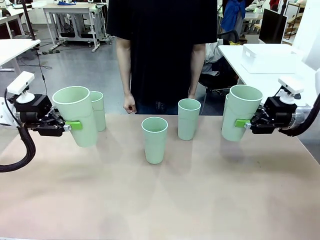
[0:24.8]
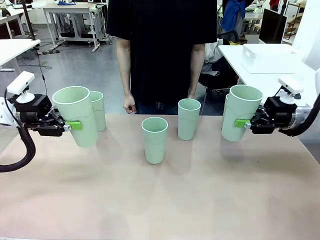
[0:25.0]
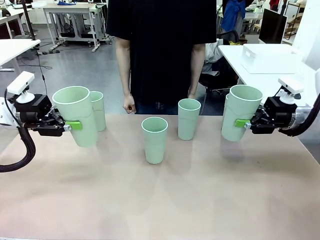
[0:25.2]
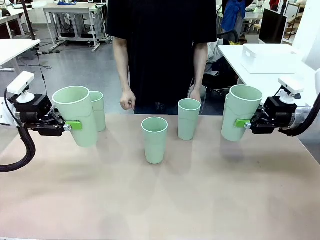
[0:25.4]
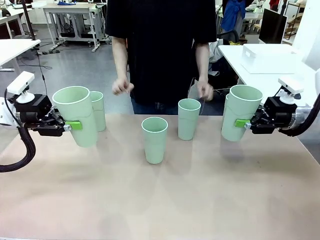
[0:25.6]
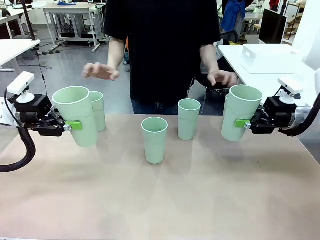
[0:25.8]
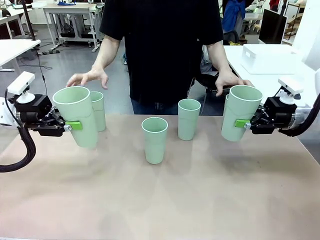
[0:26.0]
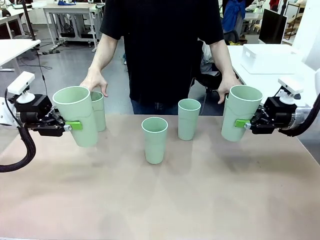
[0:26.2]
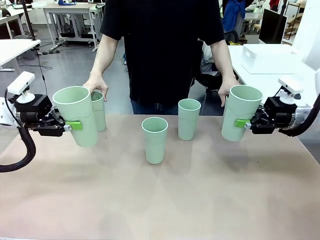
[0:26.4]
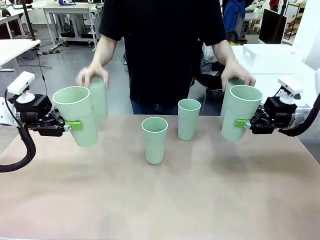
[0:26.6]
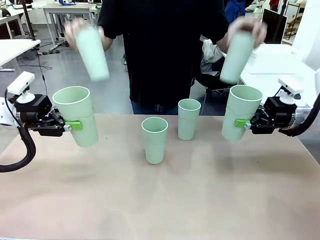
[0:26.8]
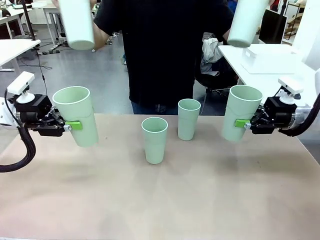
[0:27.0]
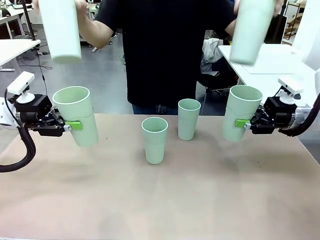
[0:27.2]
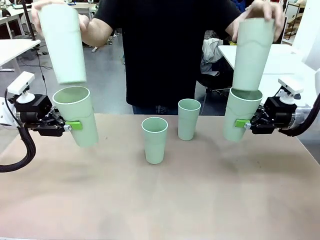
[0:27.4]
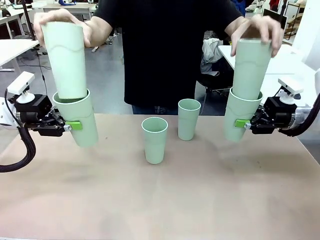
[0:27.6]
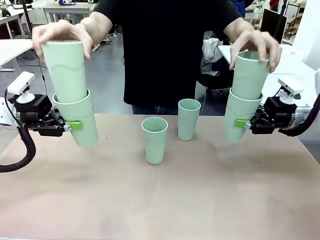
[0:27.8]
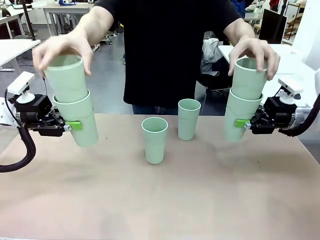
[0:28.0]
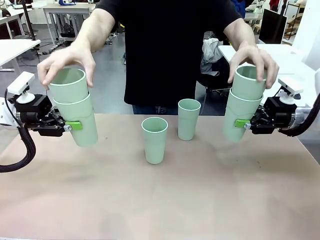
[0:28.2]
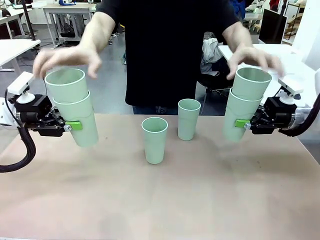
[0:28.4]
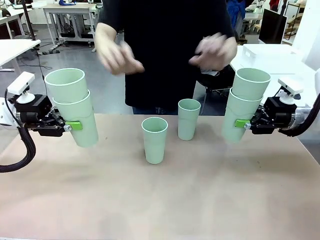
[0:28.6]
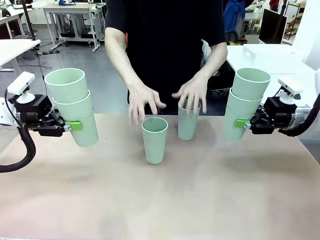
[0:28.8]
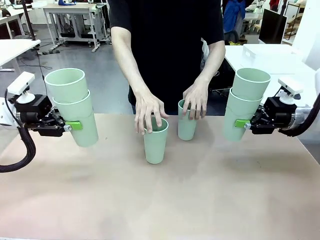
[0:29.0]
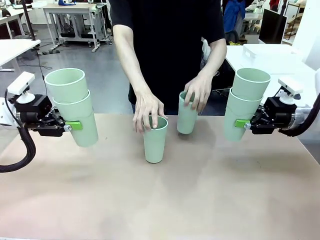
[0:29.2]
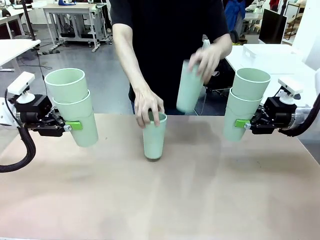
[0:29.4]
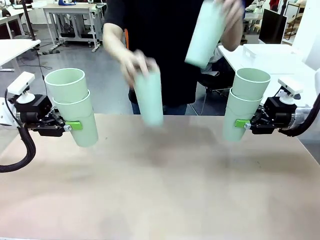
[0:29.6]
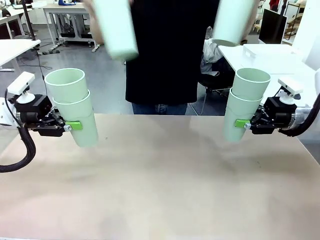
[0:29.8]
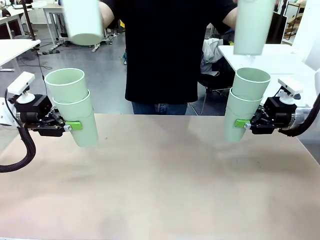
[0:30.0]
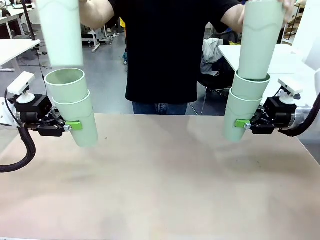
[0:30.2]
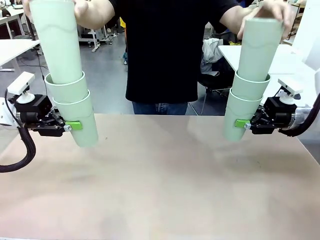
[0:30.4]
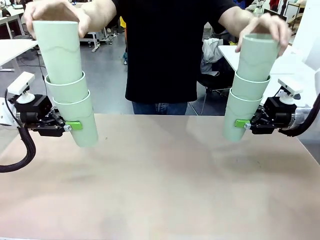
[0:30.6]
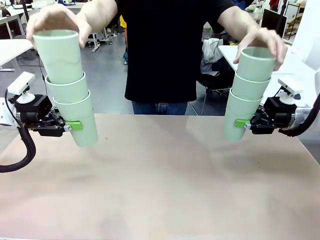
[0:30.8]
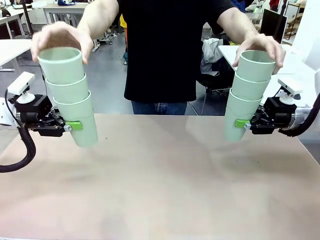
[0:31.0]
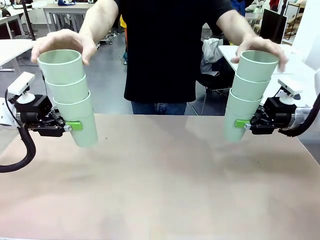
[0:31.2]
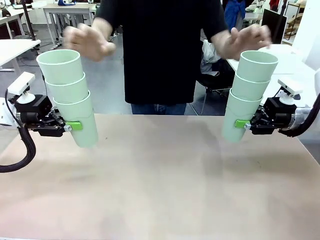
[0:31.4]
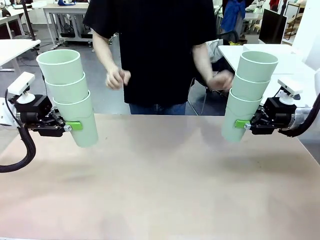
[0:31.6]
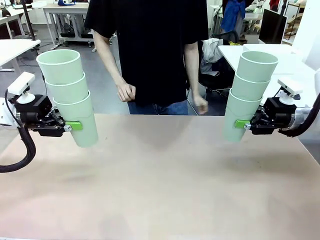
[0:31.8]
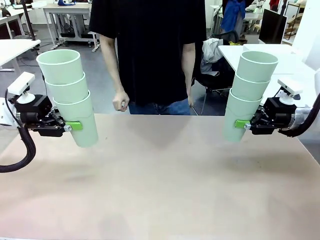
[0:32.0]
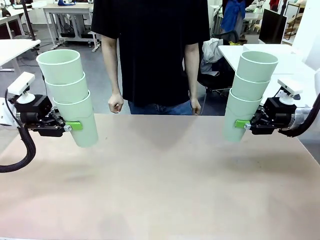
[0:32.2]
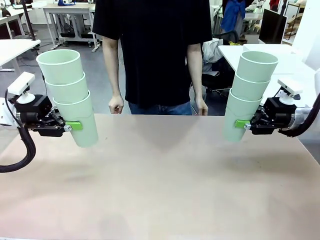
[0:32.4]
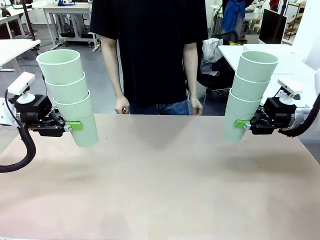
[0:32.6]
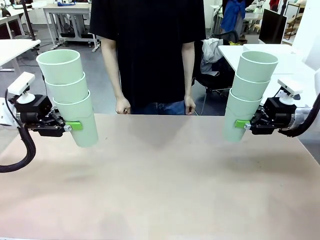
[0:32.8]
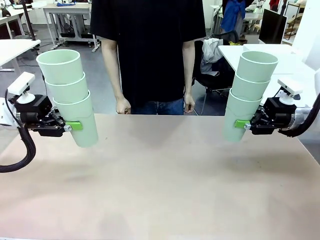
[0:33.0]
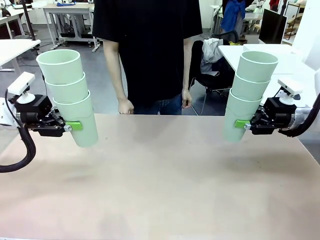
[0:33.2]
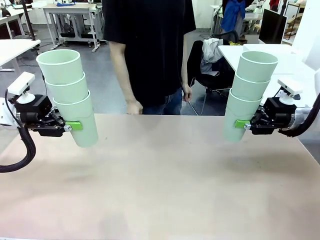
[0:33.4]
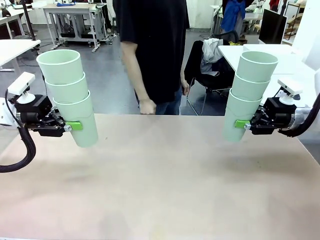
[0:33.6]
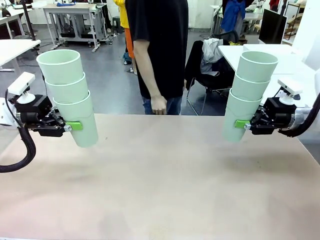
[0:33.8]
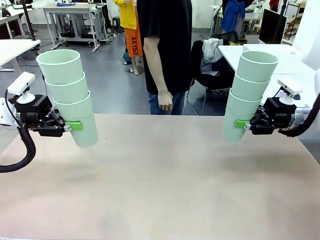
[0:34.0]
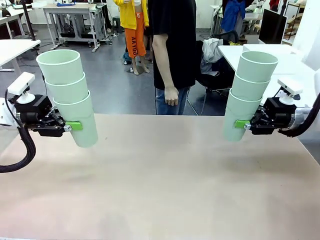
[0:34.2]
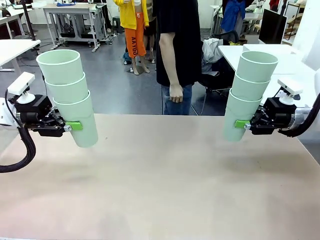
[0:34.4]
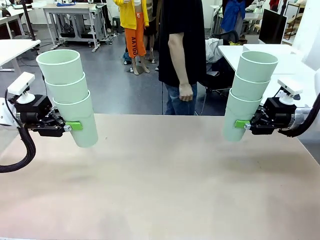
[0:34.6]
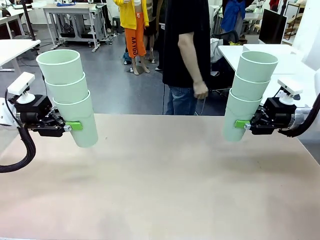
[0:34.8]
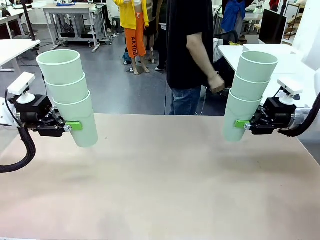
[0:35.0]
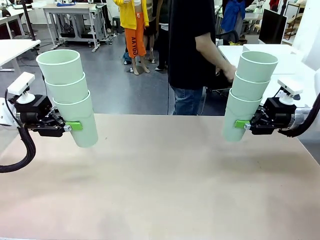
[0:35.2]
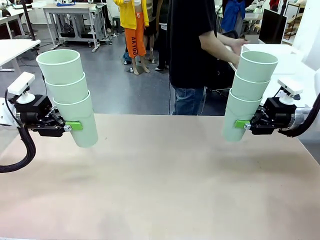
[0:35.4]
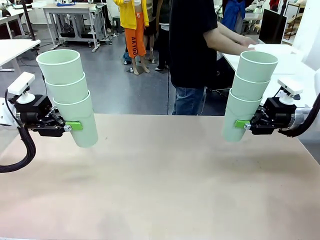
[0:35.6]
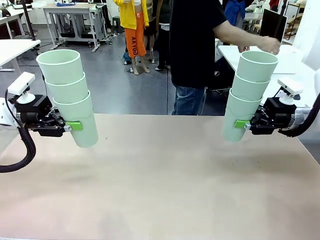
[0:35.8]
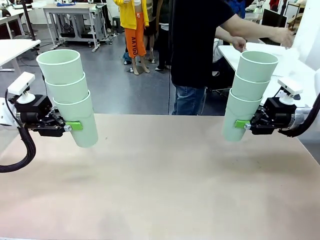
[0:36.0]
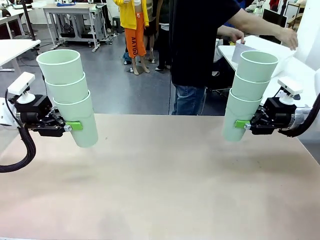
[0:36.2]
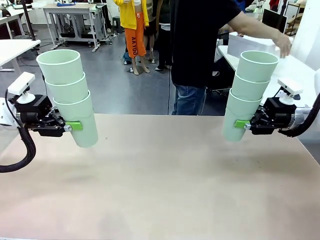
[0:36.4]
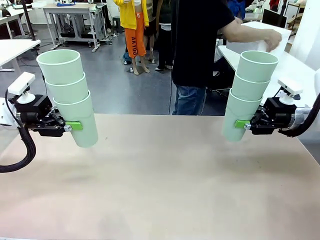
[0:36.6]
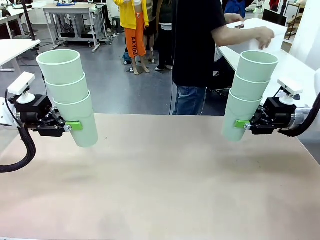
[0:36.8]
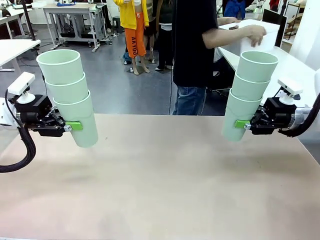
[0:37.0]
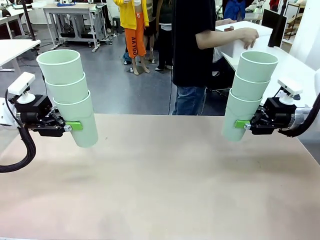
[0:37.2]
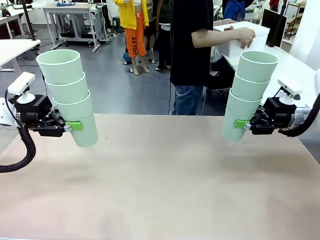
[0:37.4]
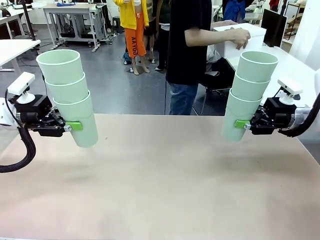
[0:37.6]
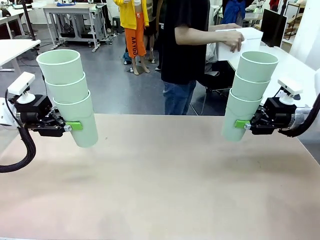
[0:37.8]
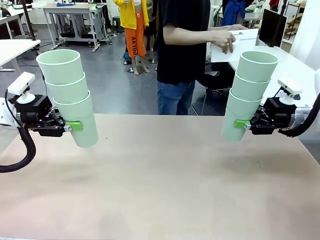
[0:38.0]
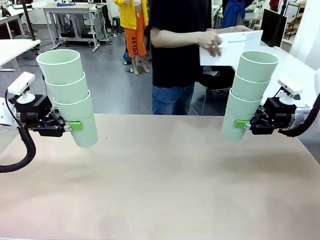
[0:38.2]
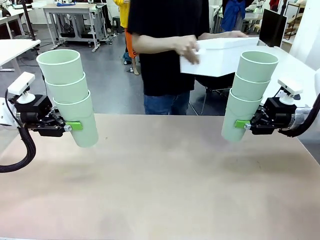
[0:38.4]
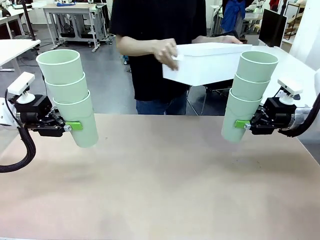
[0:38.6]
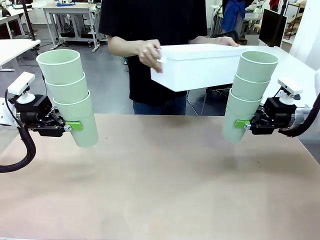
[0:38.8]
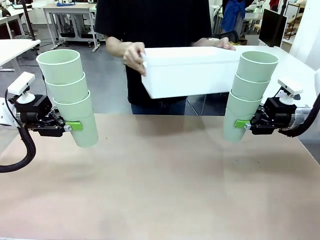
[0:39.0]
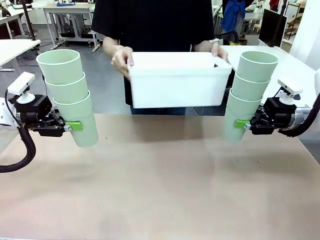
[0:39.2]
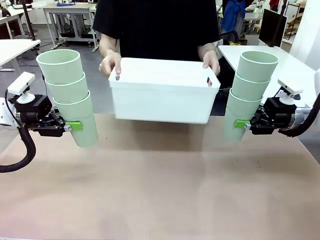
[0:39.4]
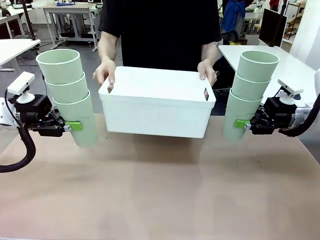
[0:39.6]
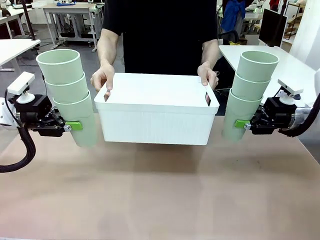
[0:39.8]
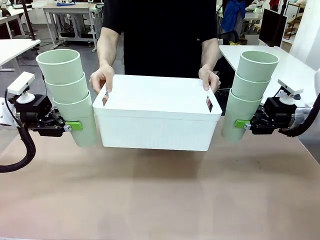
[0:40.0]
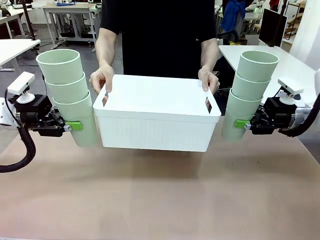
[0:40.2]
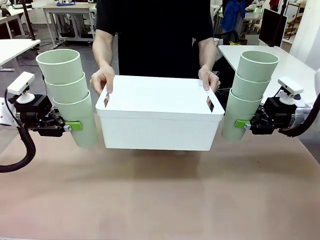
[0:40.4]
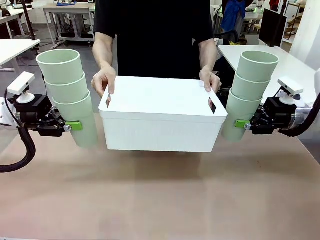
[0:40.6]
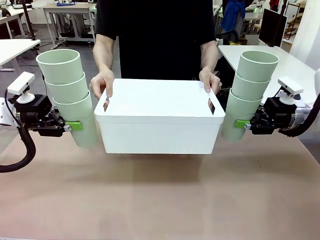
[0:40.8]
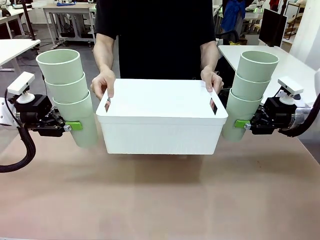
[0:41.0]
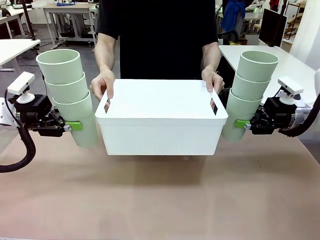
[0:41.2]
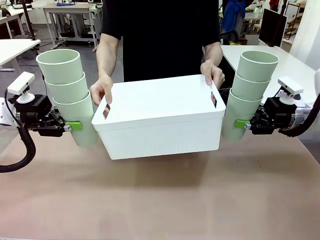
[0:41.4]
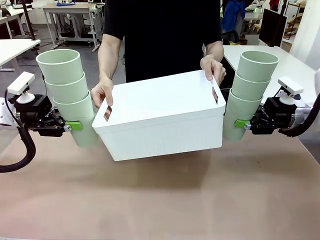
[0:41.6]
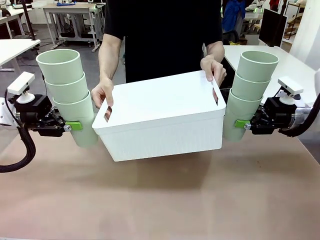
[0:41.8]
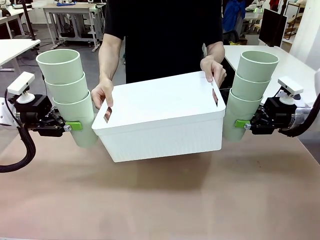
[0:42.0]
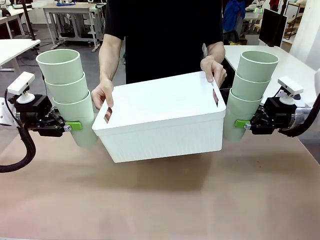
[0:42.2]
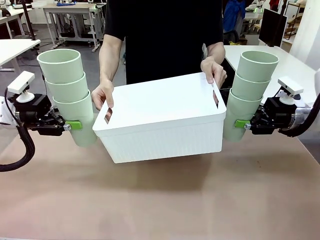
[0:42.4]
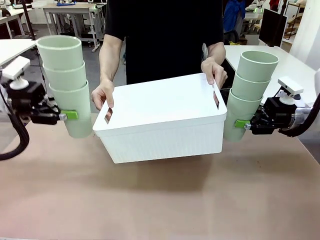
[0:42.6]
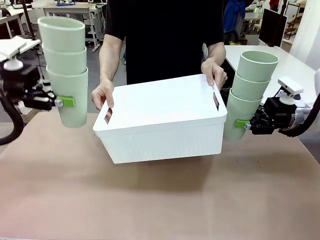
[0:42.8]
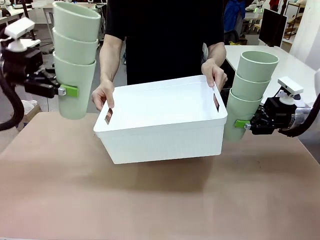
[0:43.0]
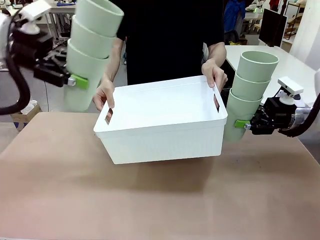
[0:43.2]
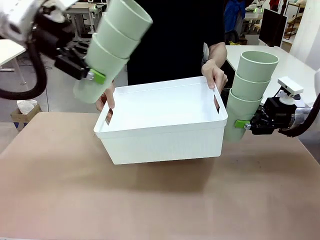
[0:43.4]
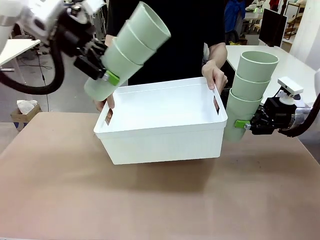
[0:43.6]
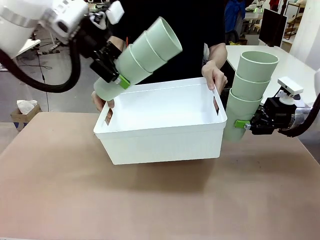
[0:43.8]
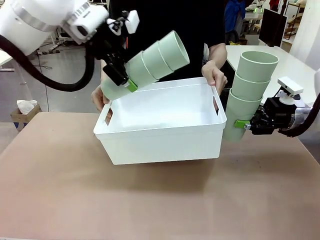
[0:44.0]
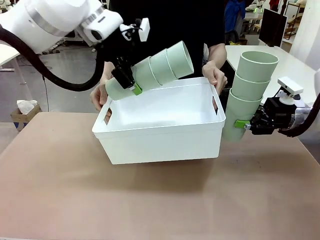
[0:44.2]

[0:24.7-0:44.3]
Task: Stack the cups and store them in the basket.
Robot: Place the stack of Reusable plastic cups into the Pantry Basket.
Person: Pick up the basket from the Human Table, bring it to the front of the robot, and present it.
